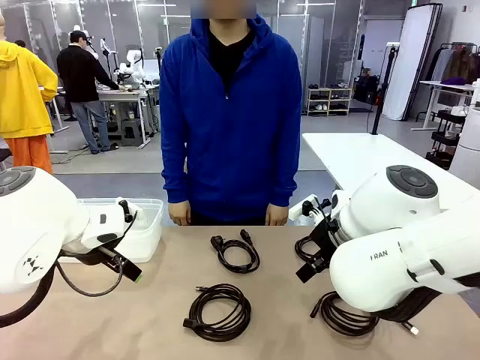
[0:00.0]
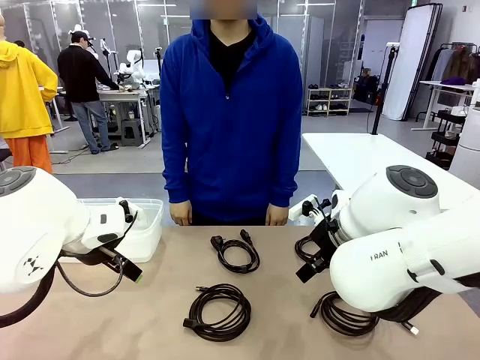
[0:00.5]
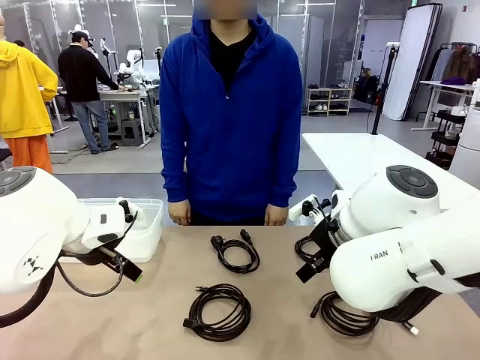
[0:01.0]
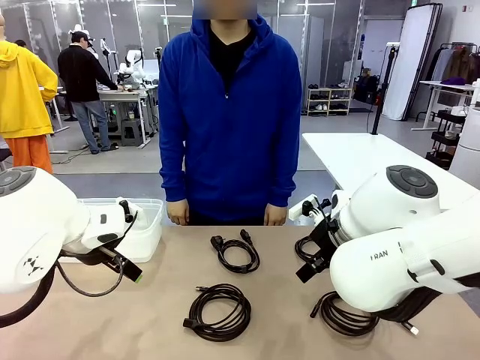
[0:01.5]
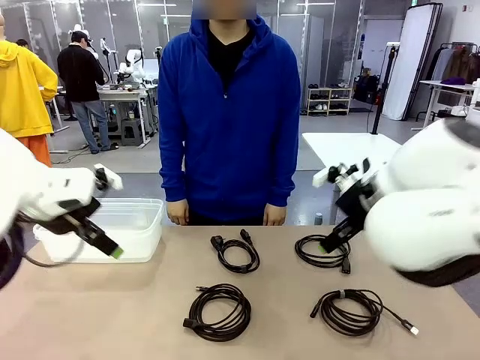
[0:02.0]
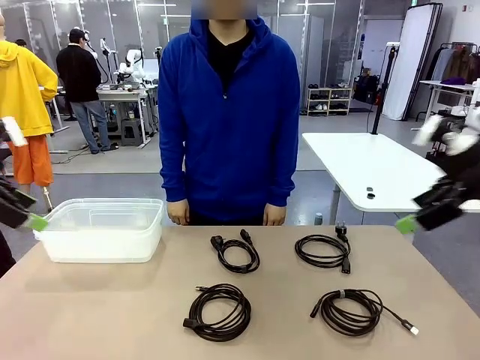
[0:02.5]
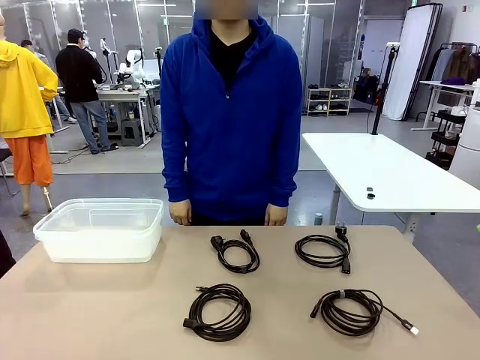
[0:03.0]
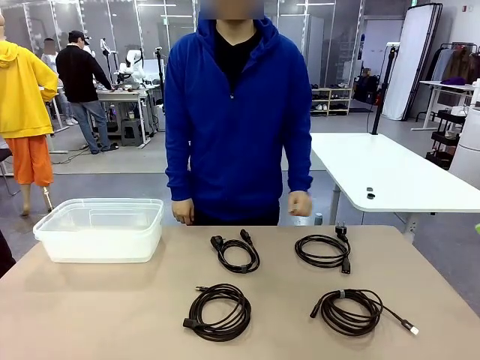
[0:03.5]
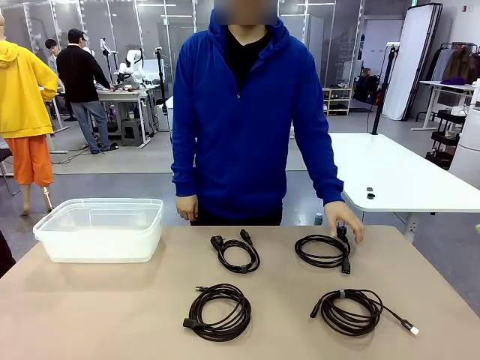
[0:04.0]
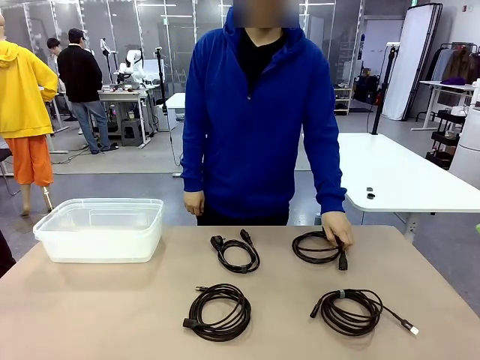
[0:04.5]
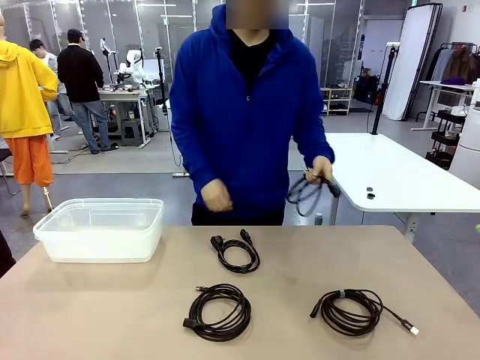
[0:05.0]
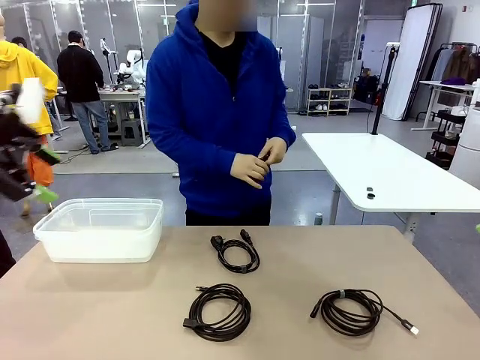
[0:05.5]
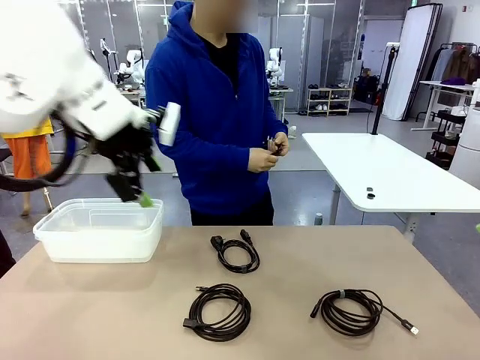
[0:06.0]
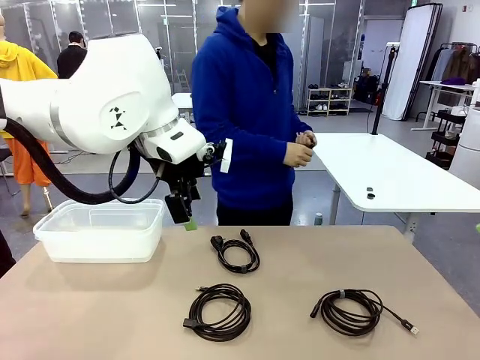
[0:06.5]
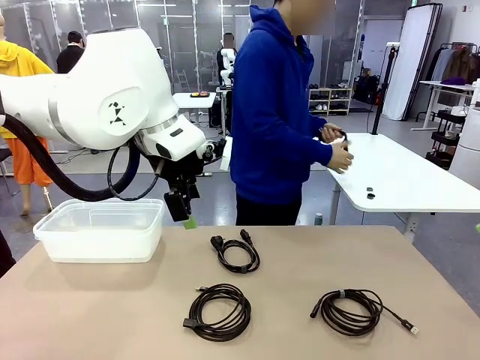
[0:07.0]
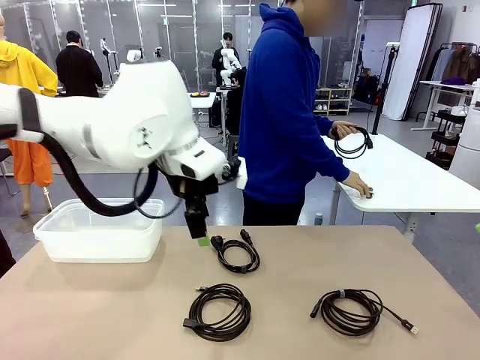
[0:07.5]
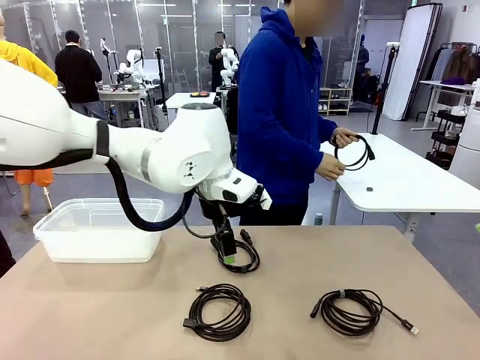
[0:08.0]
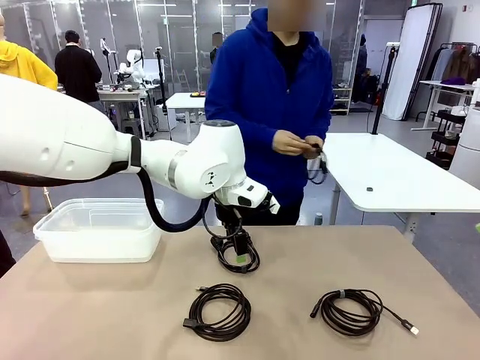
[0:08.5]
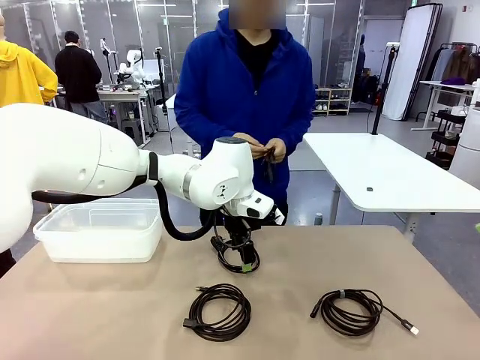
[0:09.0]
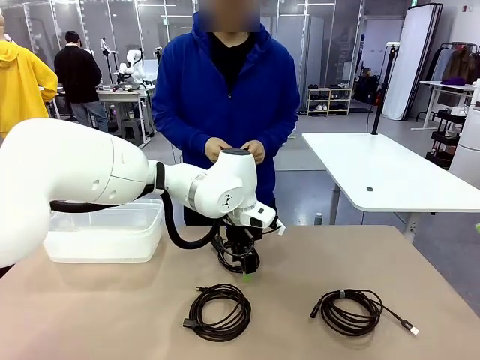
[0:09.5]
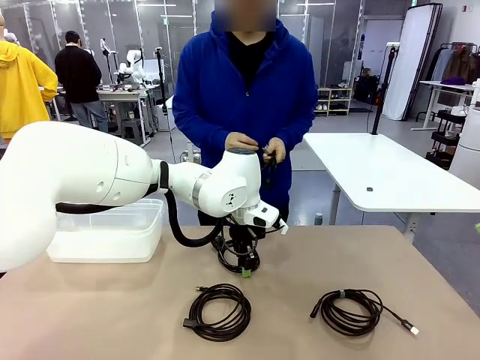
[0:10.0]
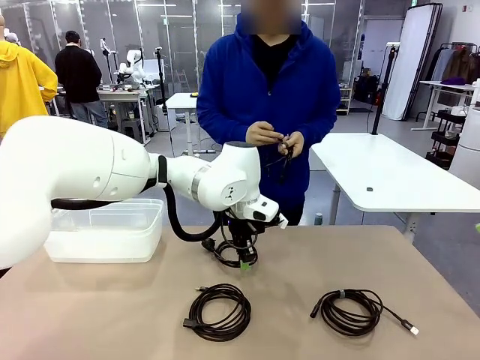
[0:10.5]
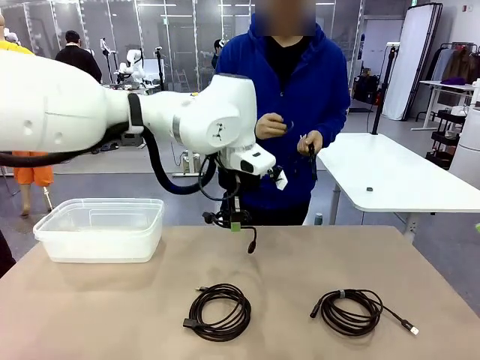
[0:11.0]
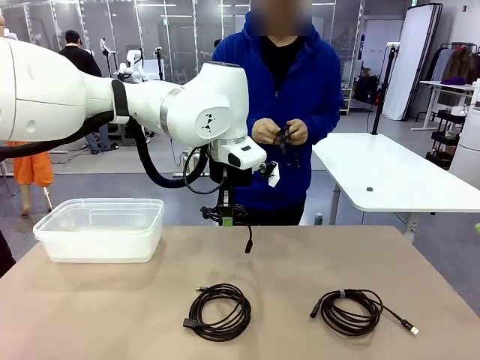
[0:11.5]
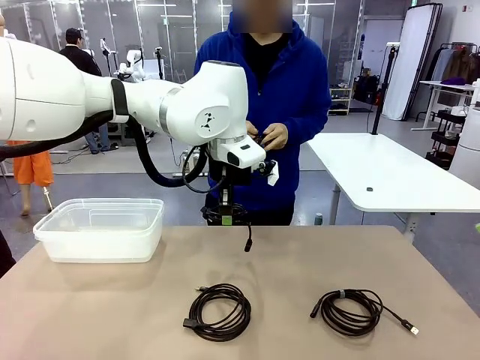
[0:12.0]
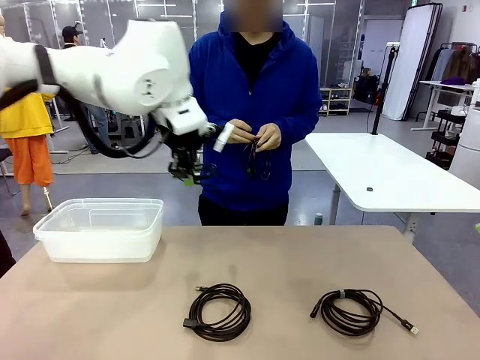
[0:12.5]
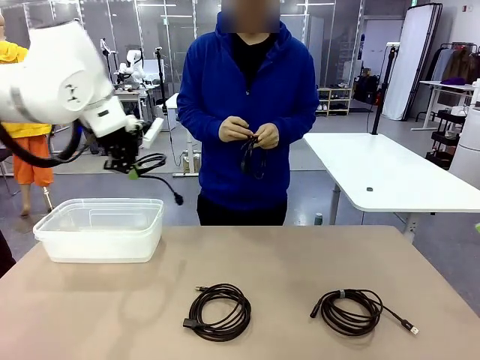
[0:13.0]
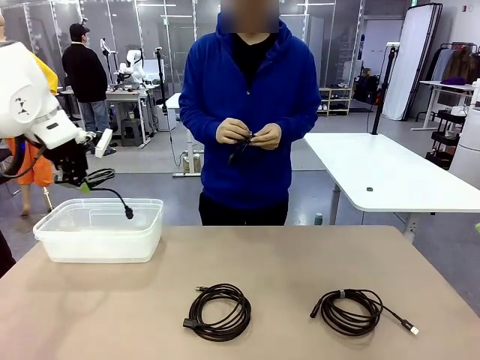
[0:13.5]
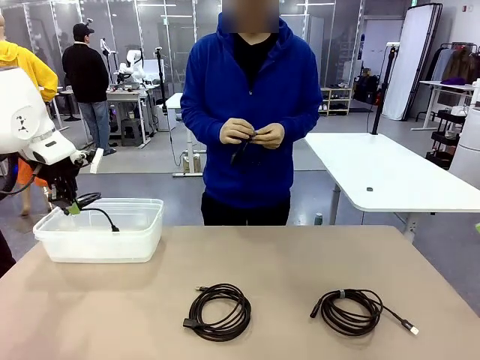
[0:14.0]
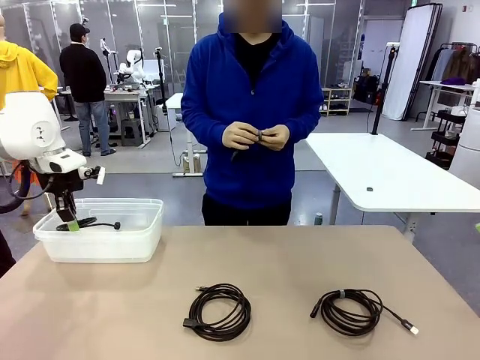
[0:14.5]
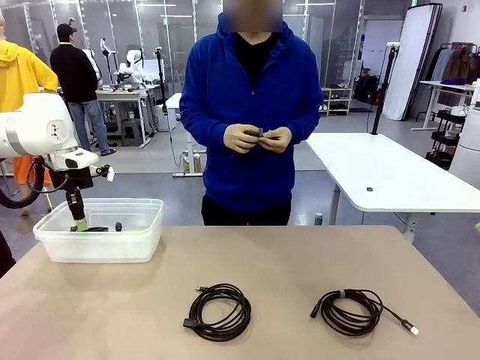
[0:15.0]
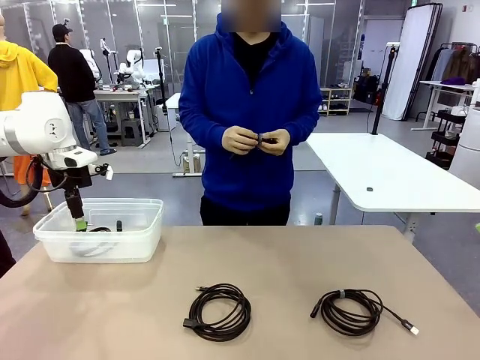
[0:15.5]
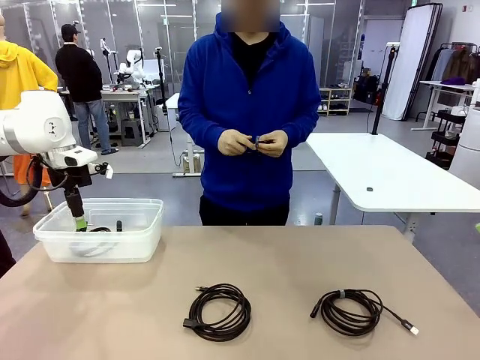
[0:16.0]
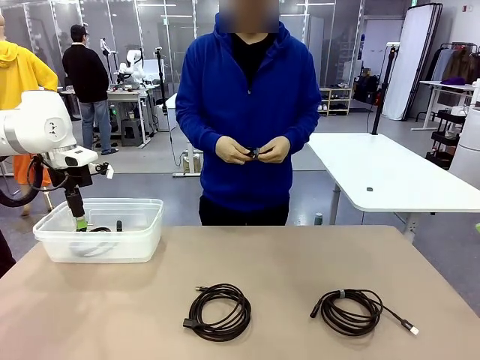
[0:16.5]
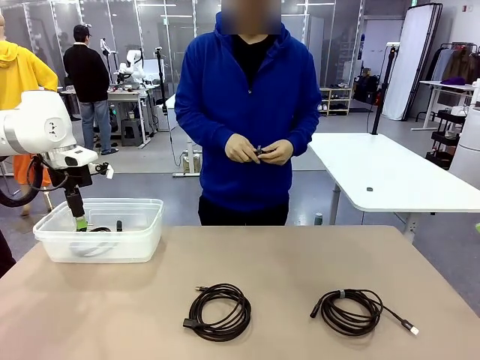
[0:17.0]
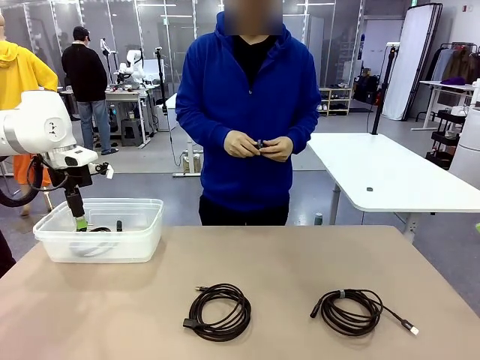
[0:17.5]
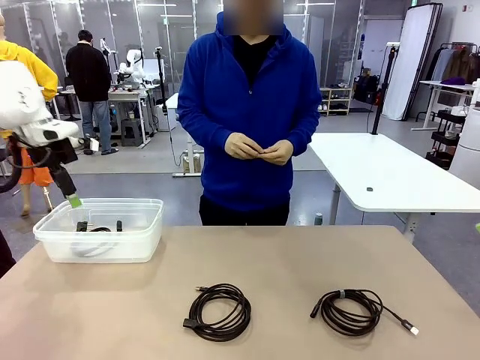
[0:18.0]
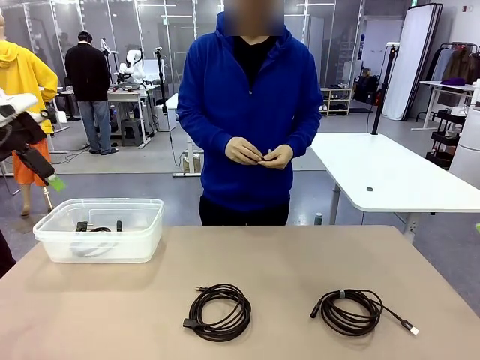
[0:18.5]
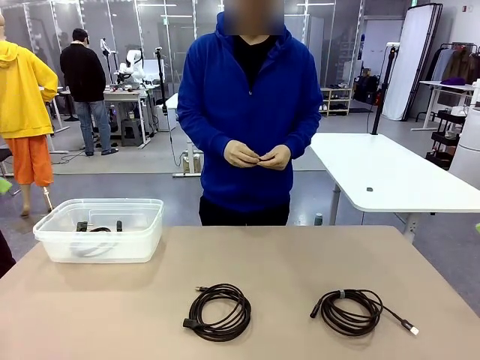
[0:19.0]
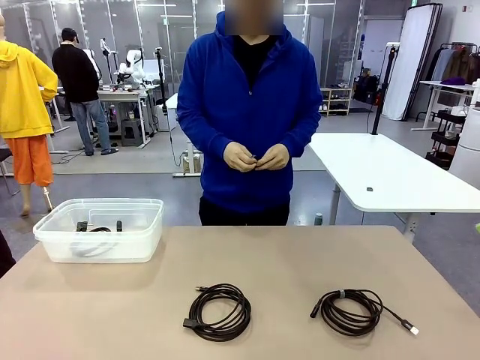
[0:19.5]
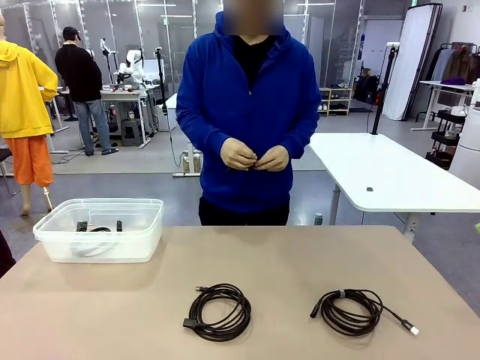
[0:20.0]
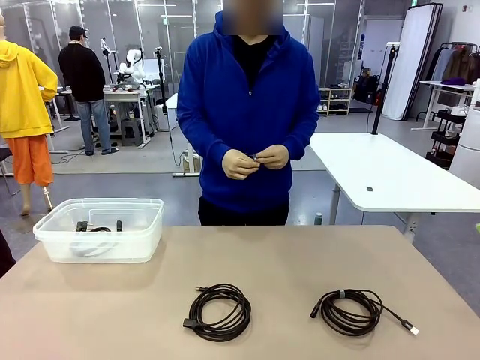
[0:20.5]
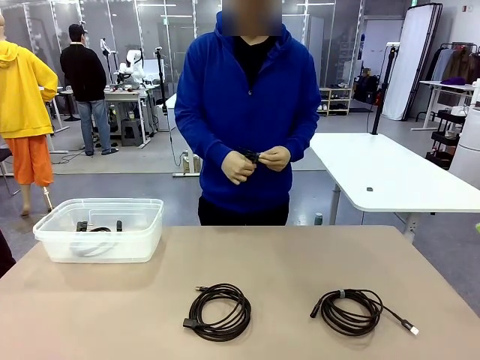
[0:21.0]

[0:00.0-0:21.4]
Task: Organize and store the cables.
Robot: Place the Power Cable into the Organizing box.
Person: Tie one Power Cable with a Reusable Cable Tie.

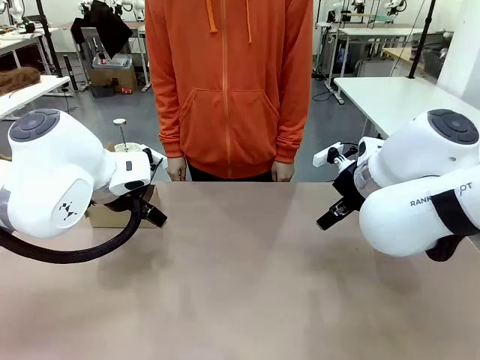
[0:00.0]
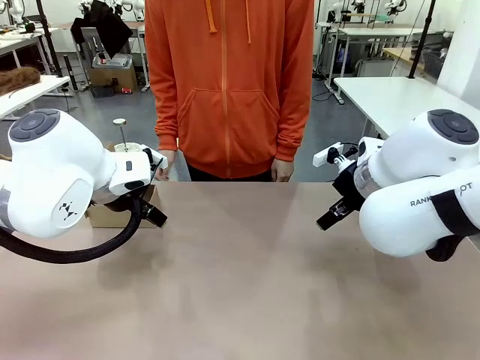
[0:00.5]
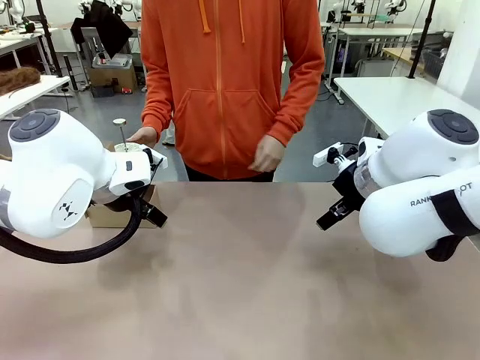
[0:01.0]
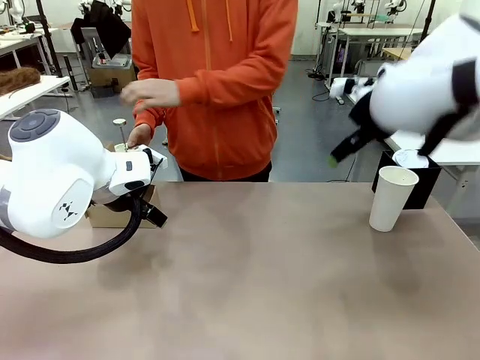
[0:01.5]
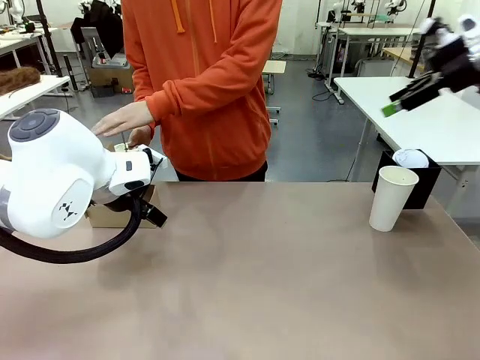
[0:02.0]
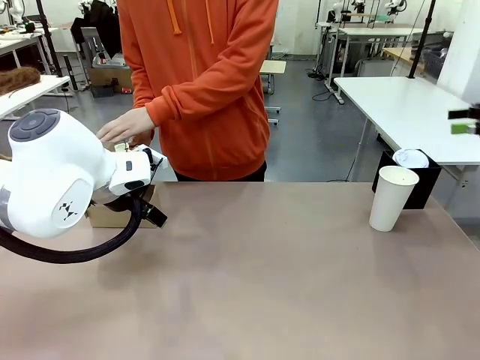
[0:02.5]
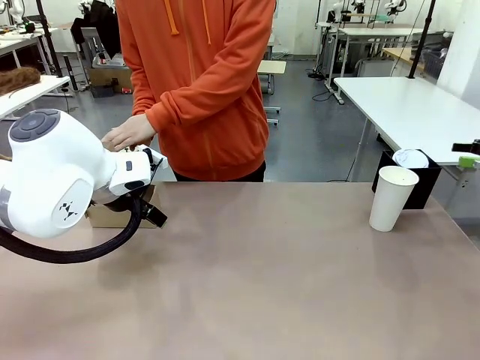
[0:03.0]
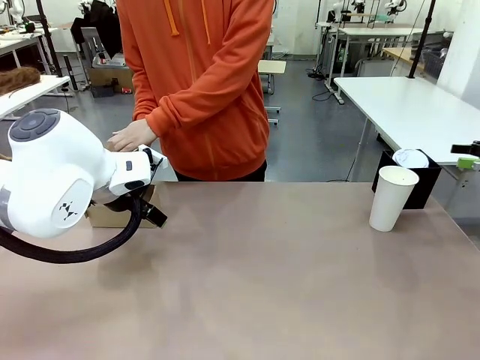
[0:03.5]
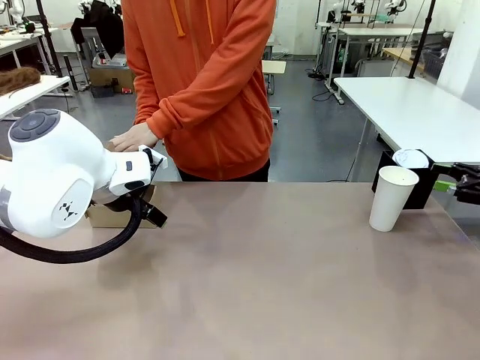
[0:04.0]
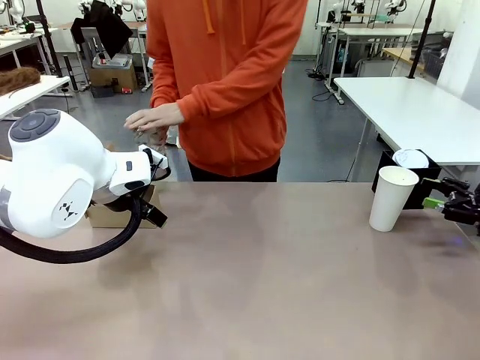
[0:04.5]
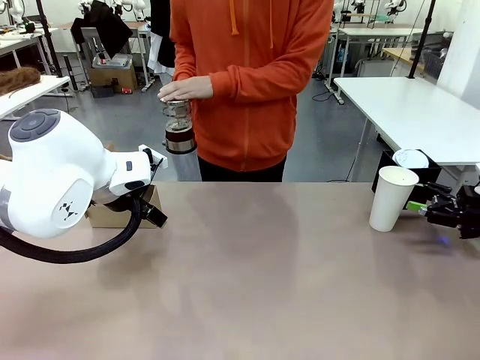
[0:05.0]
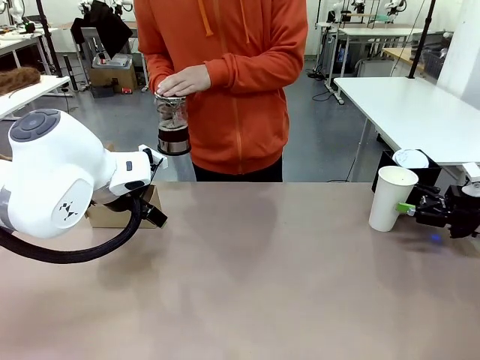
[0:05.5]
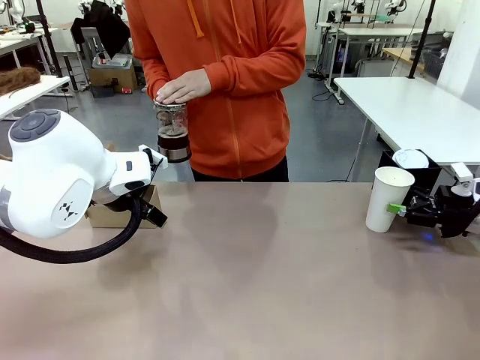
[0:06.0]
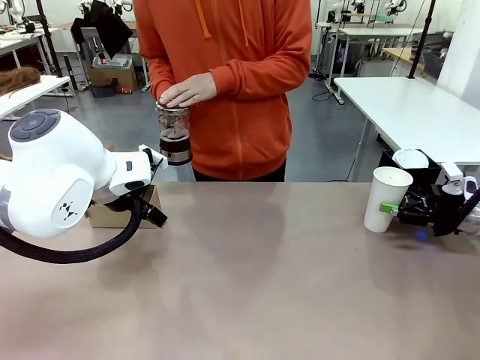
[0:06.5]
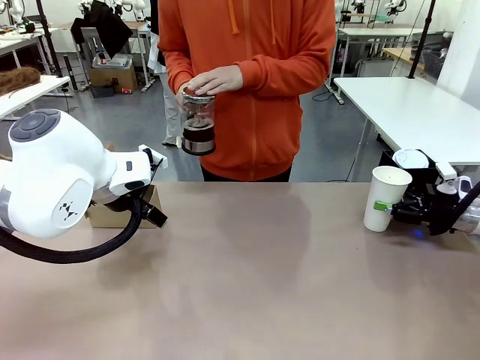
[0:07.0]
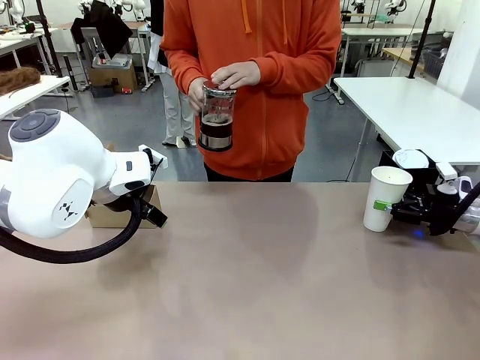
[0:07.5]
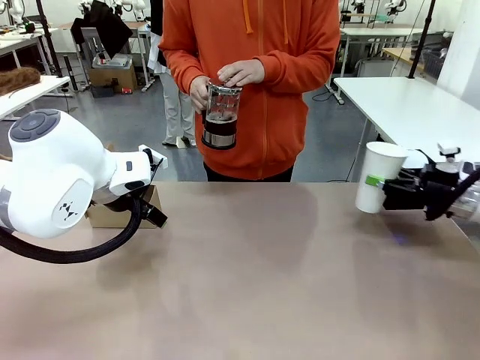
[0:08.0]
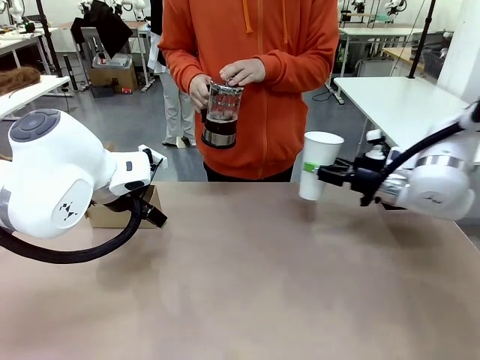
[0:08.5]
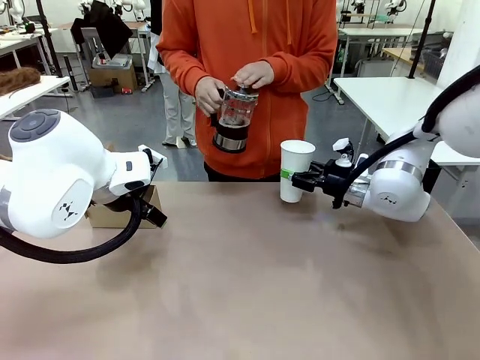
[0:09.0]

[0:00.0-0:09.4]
Task: Pour a drink into a cup and package it in a carrier.
Robot: Pick up the 600 ml Paper Cup and place it in the middle top area of the table.
Person: Press and pick up the Filter Brewing.
